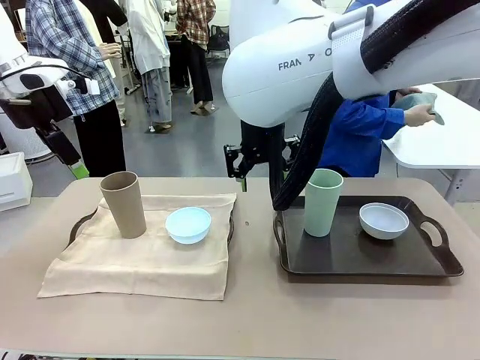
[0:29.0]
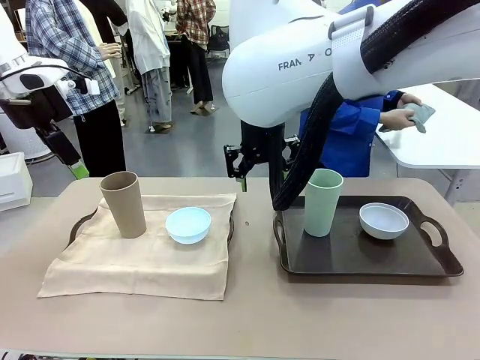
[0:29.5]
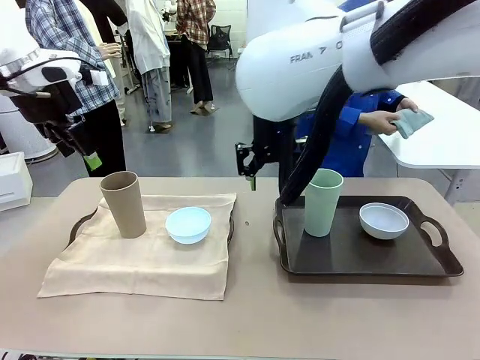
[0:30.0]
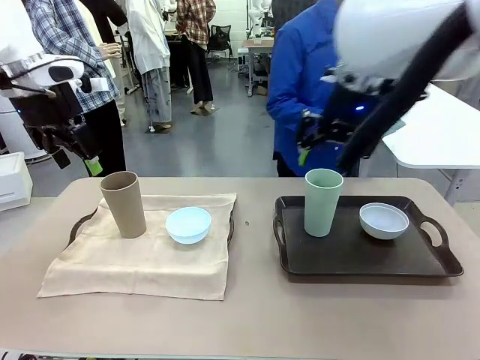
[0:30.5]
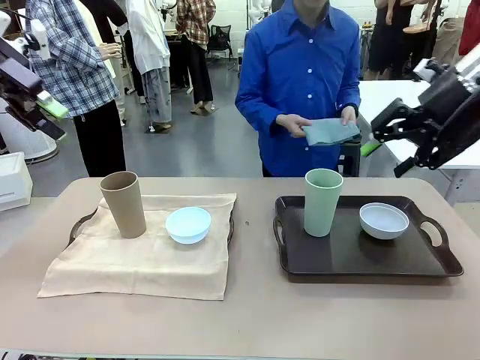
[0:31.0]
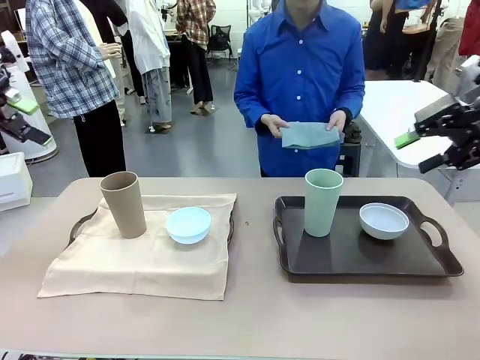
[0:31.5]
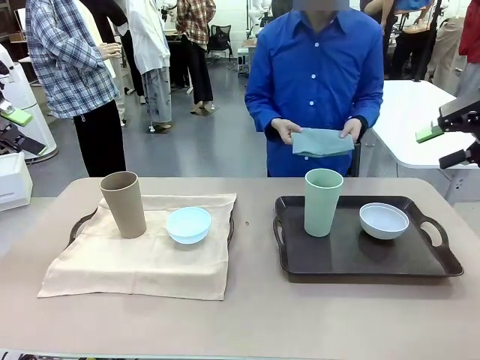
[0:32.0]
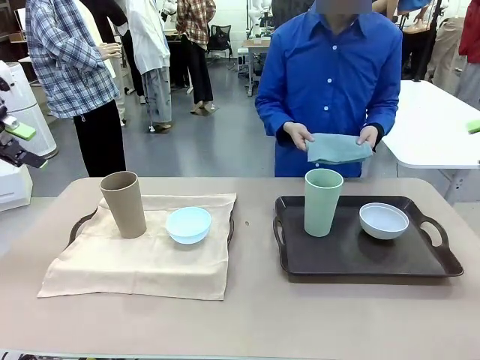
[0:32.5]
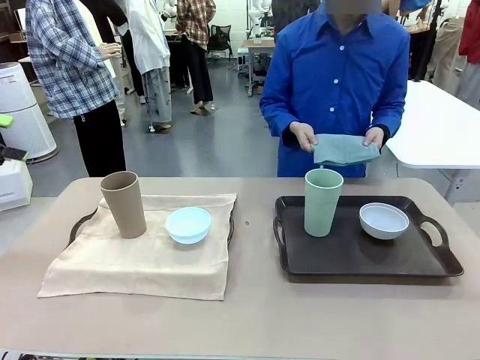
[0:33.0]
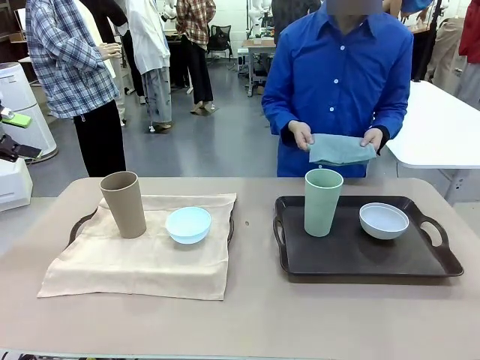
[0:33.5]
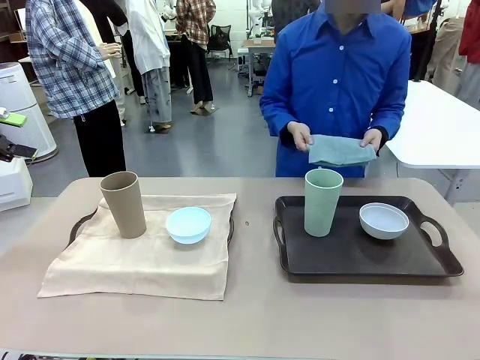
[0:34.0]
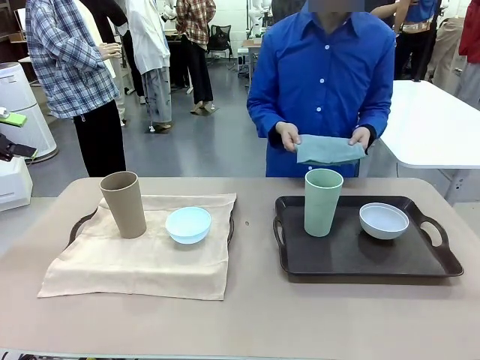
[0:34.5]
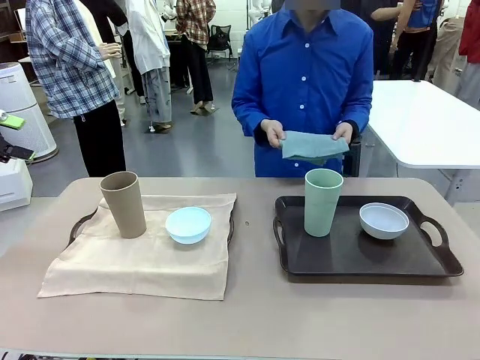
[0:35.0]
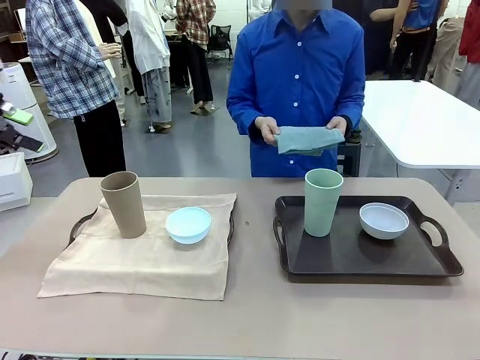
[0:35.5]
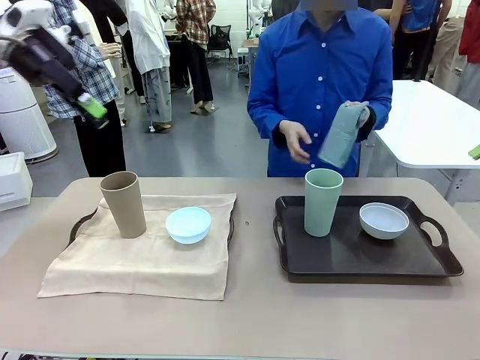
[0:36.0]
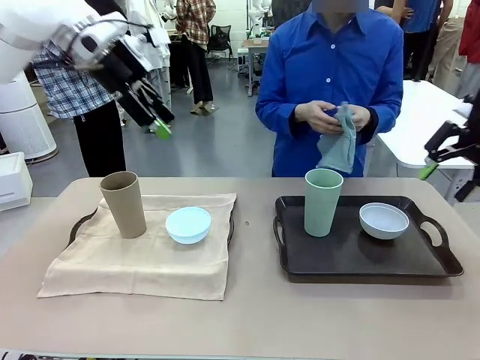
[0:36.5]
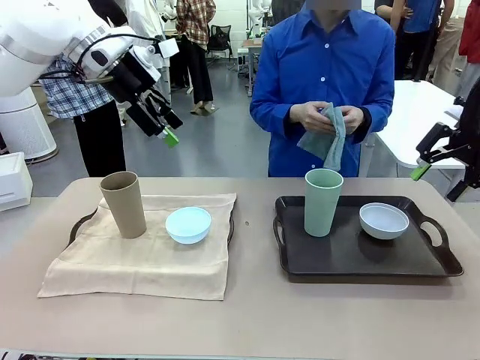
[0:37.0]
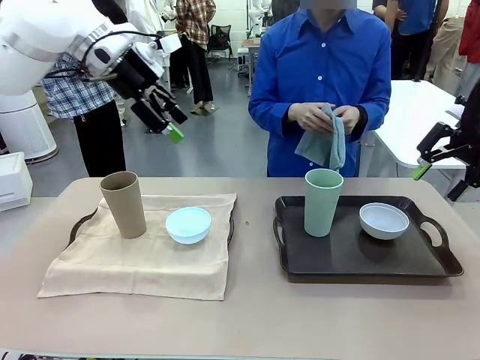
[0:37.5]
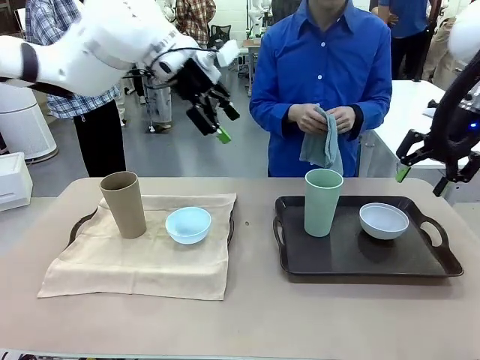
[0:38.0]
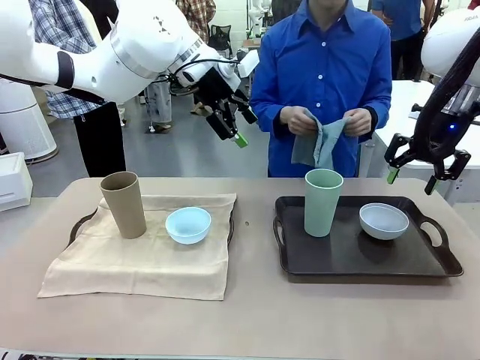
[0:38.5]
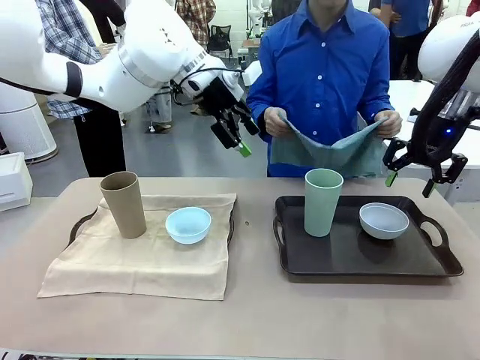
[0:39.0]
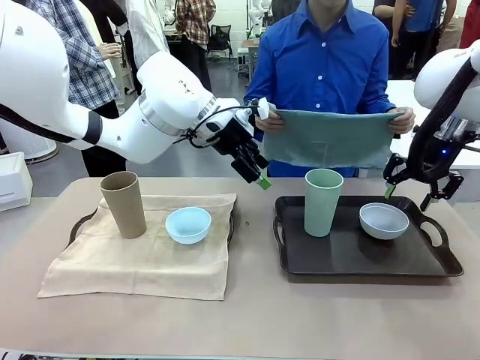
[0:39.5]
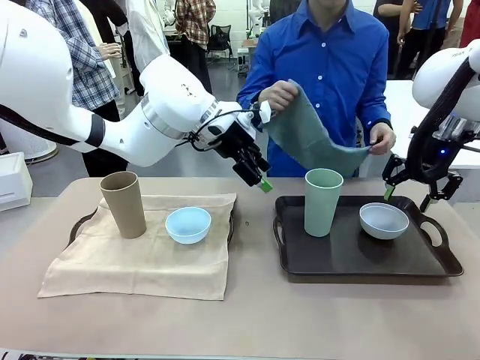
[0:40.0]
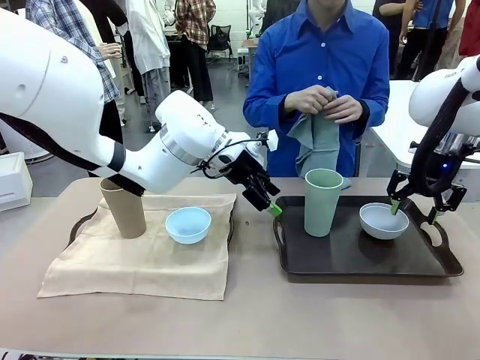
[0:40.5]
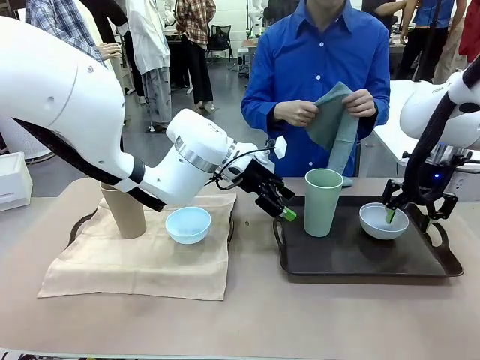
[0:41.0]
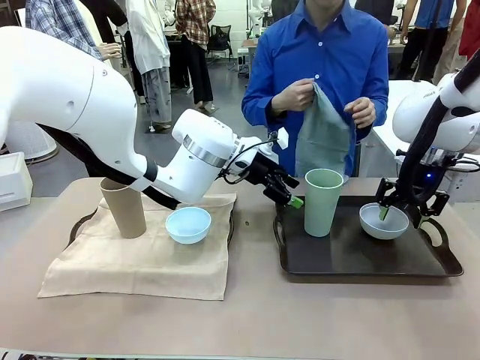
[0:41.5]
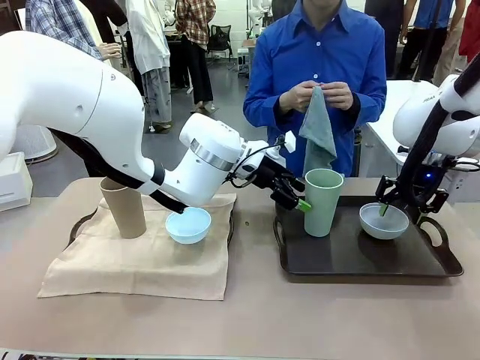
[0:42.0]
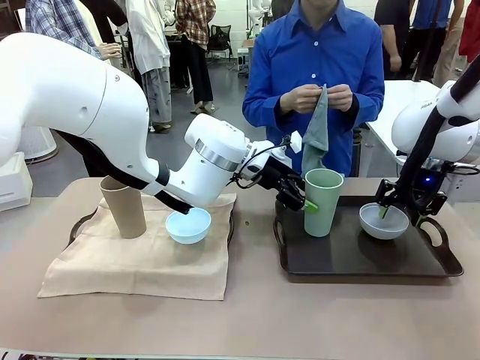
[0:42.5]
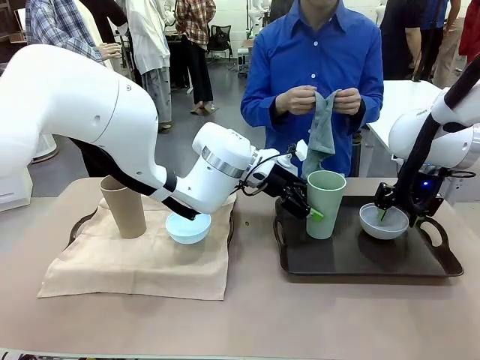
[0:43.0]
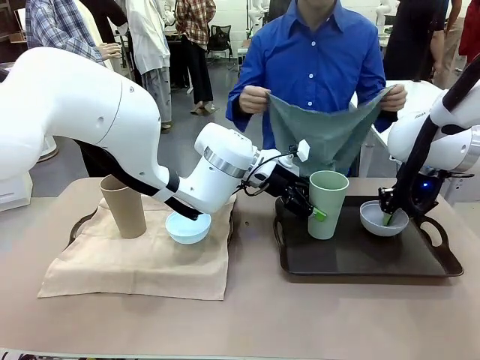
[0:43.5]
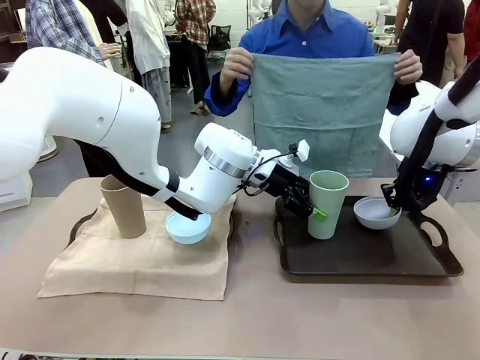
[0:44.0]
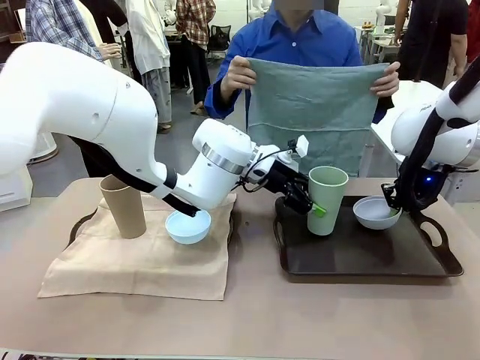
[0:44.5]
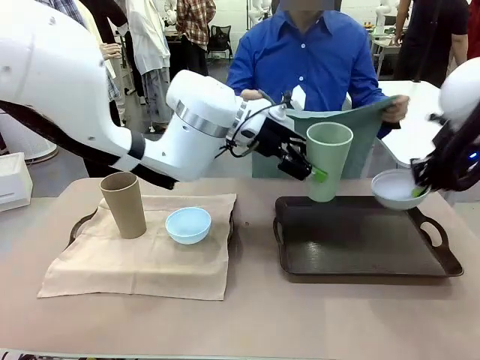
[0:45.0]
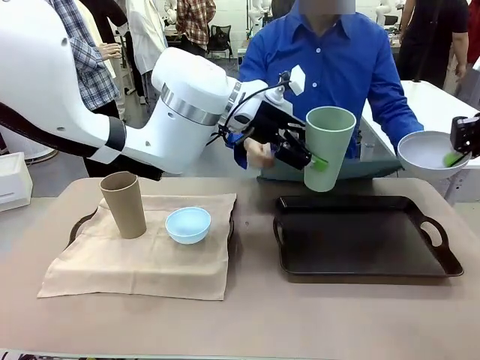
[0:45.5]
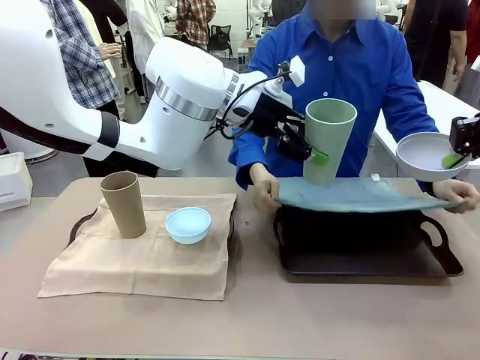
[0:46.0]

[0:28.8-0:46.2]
Robot: Pick up the Picnic Bowl and Reusable plastic cup from the Handle tray in front of the human's position and hold them in the air.

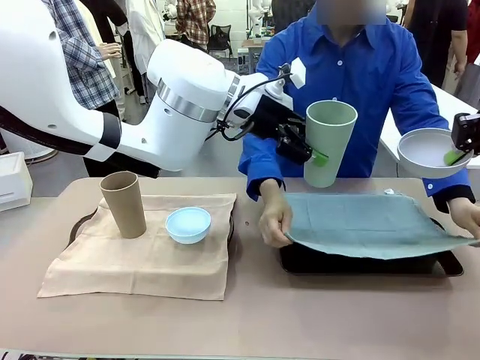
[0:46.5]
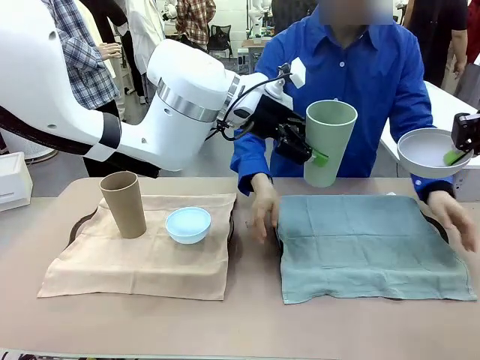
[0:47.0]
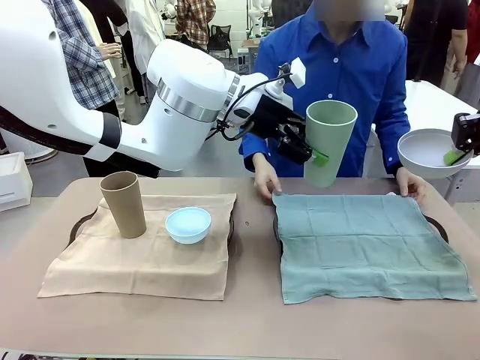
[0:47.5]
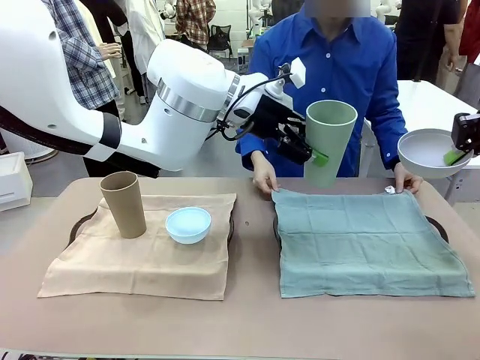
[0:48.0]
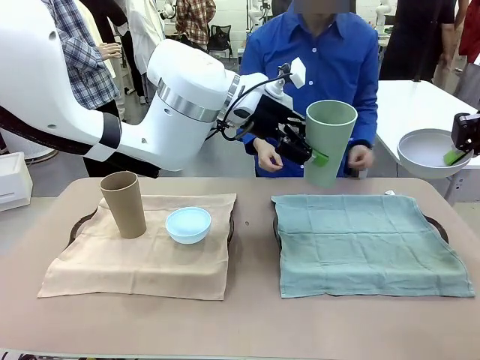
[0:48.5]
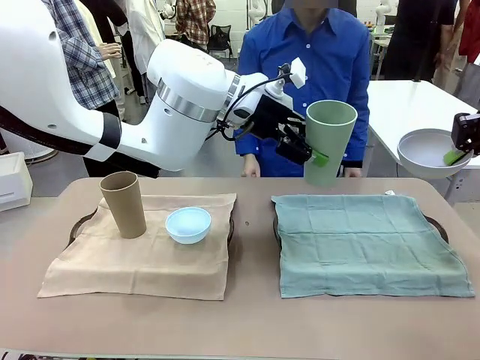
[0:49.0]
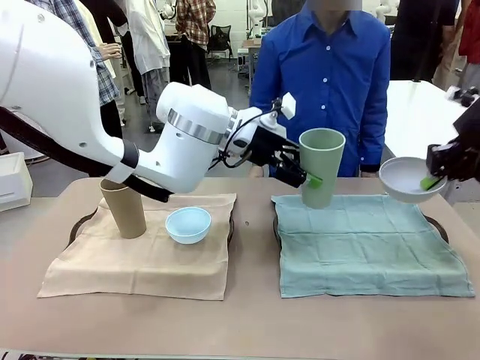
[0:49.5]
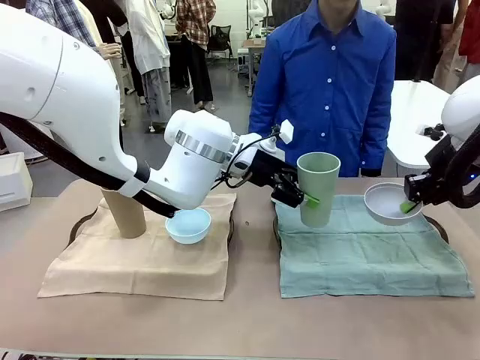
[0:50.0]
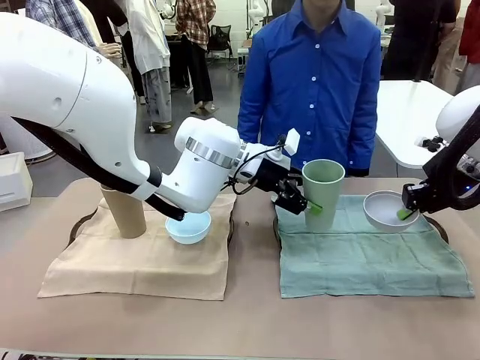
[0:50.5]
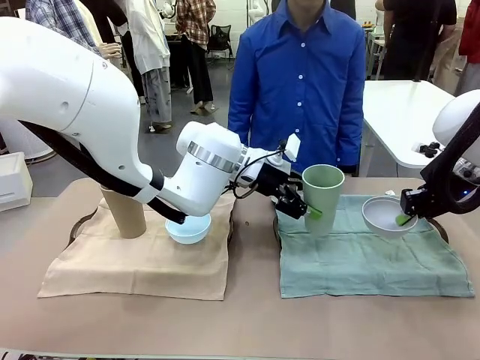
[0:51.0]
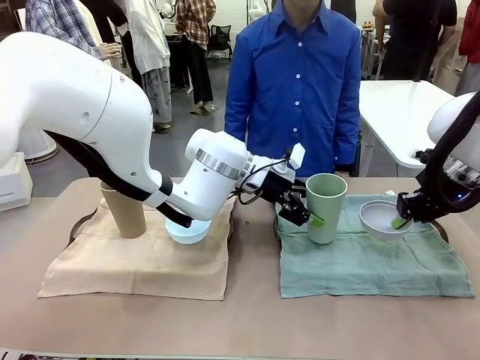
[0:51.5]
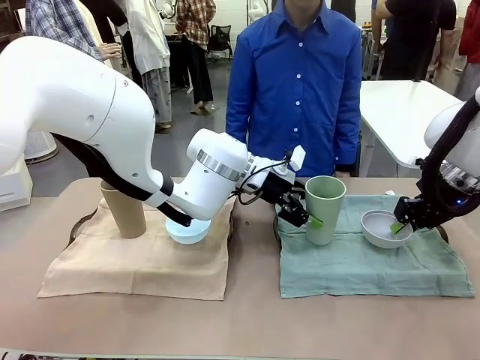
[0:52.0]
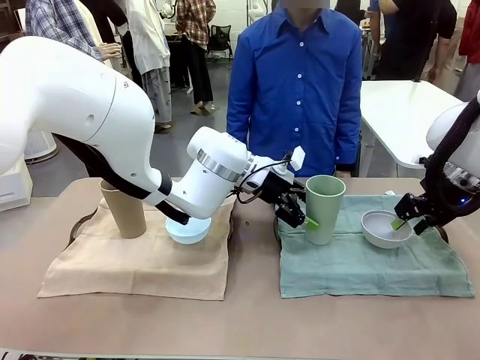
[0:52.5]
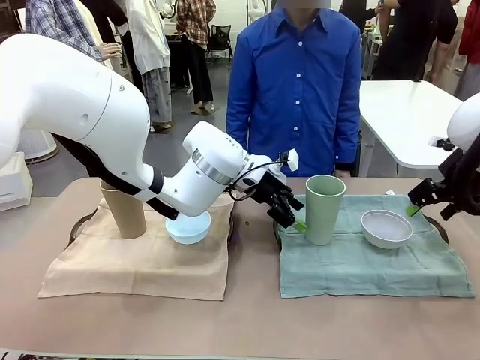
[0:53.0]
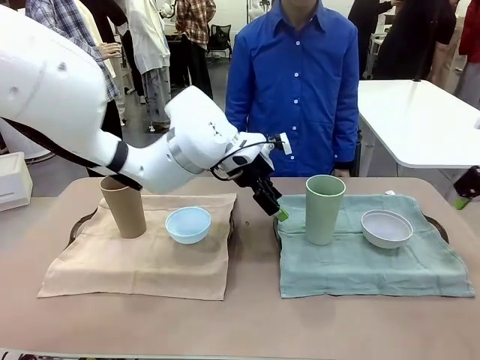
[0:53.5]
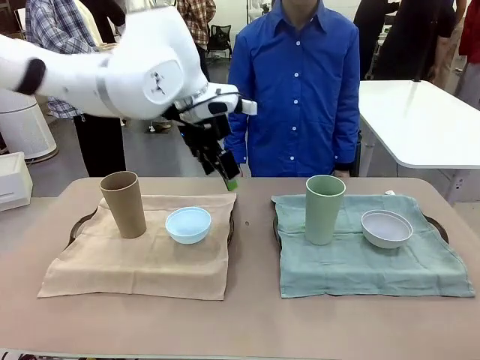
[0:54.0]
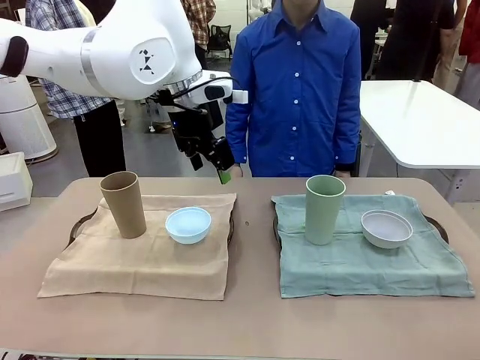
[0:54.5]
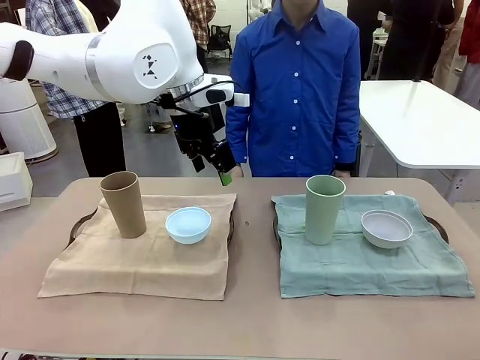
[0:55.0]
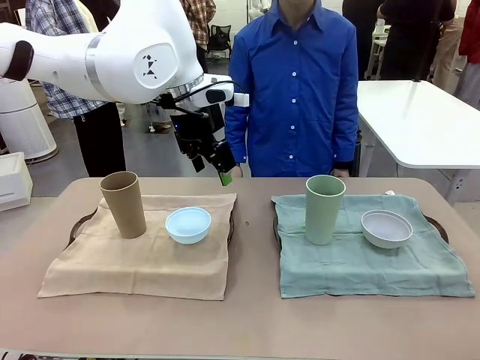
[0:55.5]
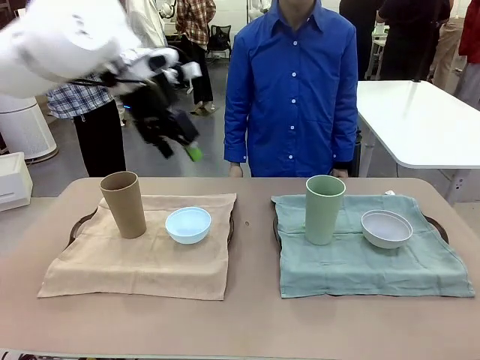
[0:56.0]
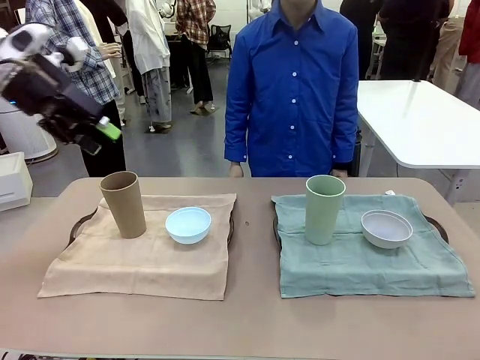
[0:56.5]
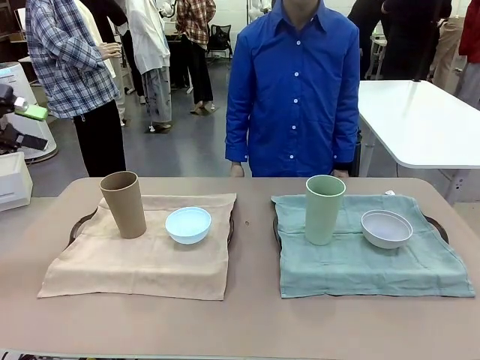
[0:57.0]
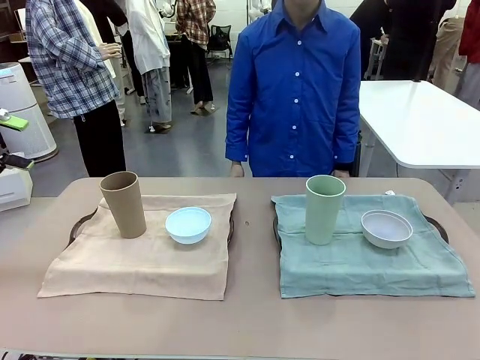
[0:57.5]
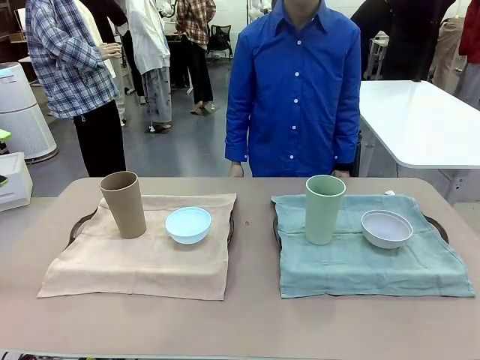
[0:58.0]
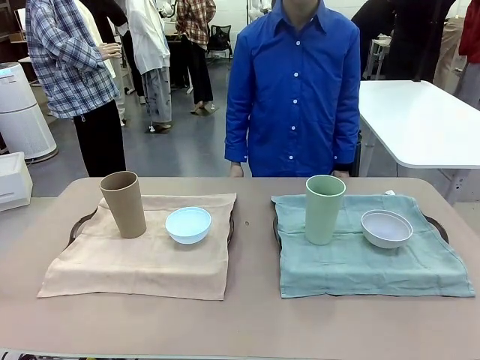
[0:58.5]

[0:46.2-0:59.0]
Robot: Place the Picnic Bowl and Reusable plastic cup back onto the Handle tray in front of the human's position.
